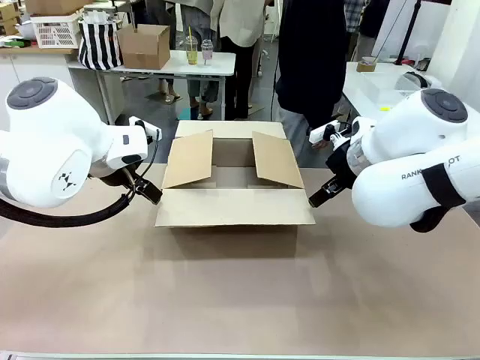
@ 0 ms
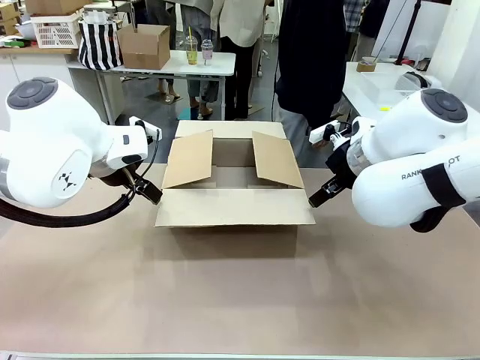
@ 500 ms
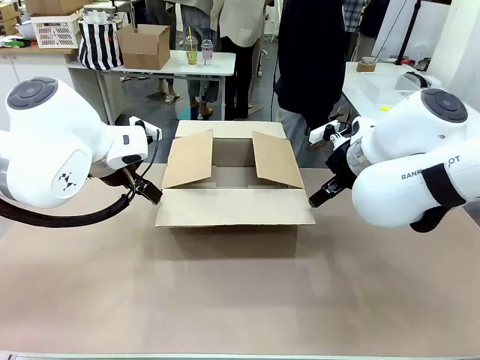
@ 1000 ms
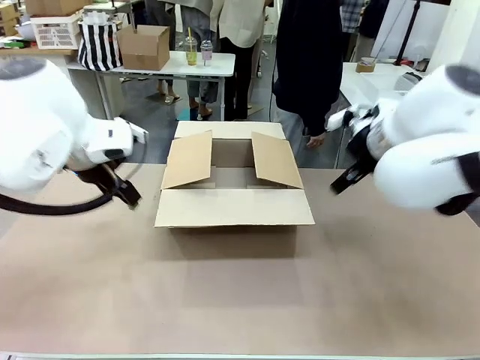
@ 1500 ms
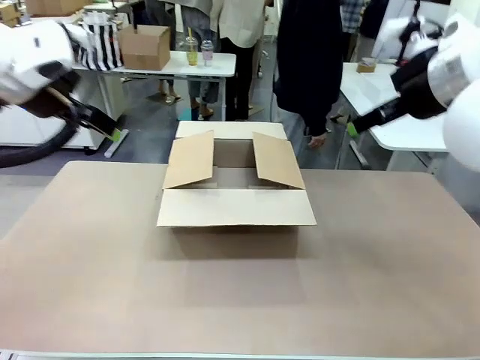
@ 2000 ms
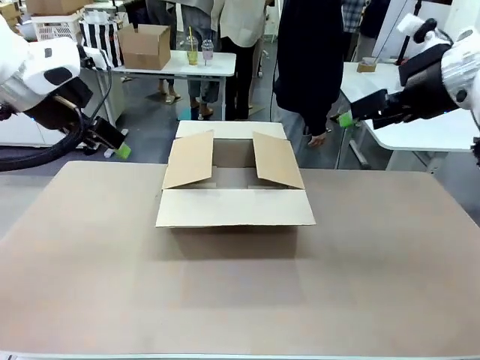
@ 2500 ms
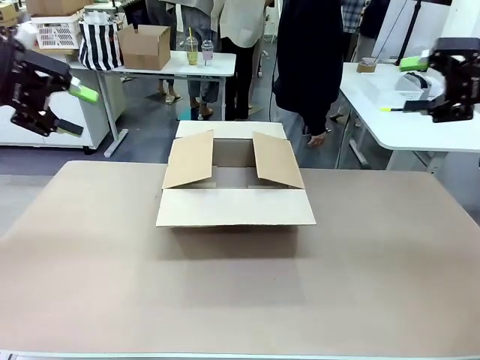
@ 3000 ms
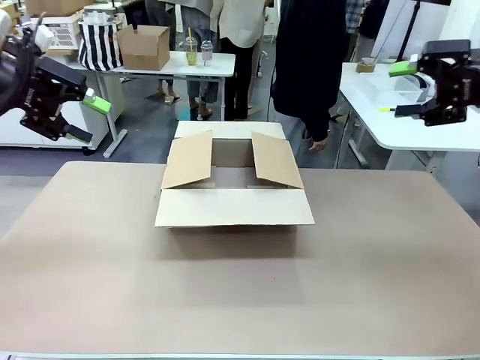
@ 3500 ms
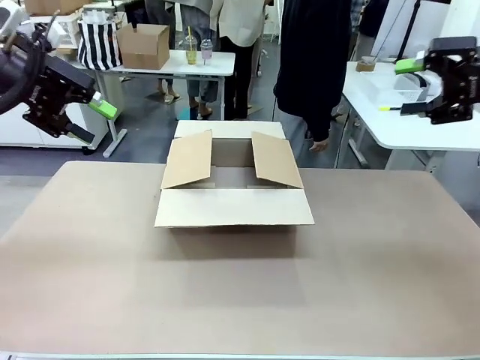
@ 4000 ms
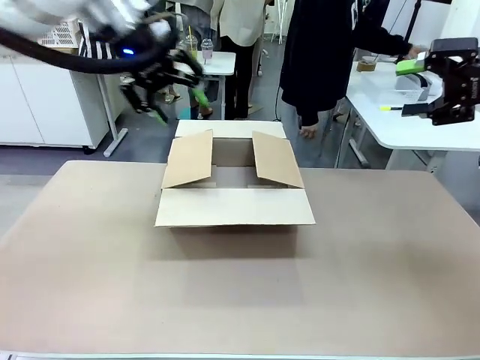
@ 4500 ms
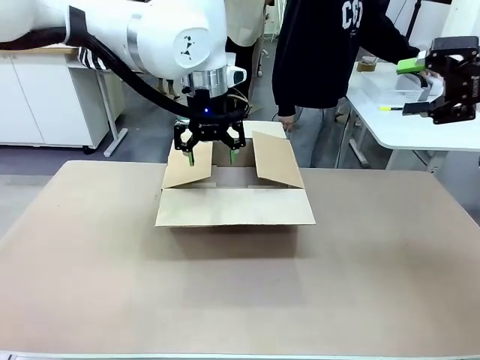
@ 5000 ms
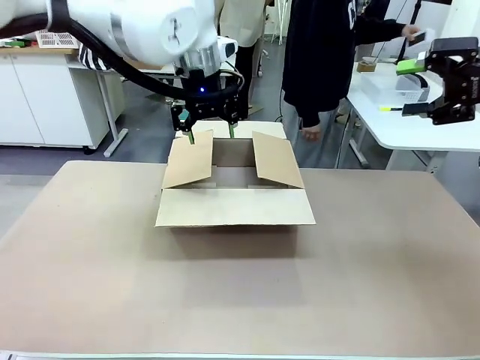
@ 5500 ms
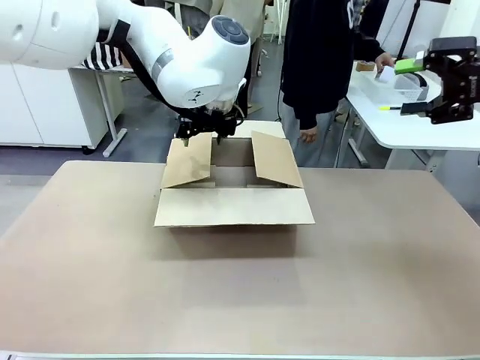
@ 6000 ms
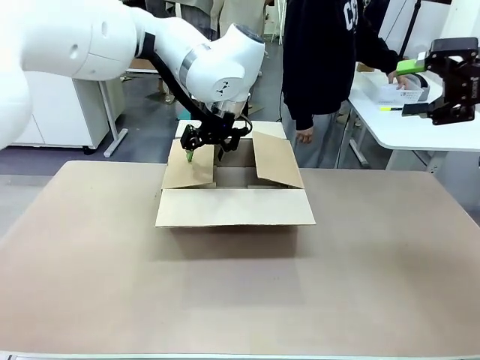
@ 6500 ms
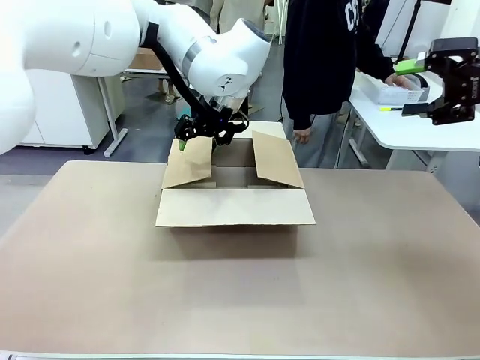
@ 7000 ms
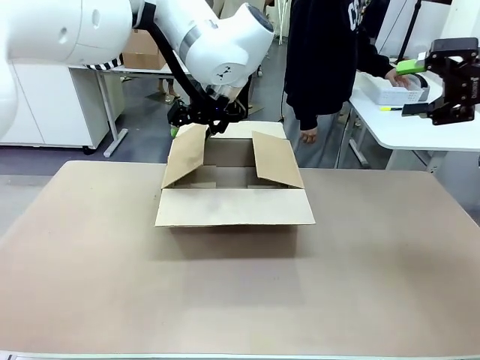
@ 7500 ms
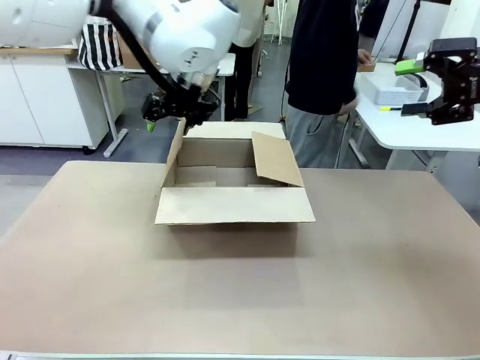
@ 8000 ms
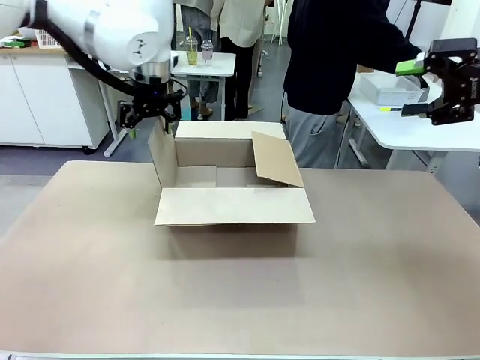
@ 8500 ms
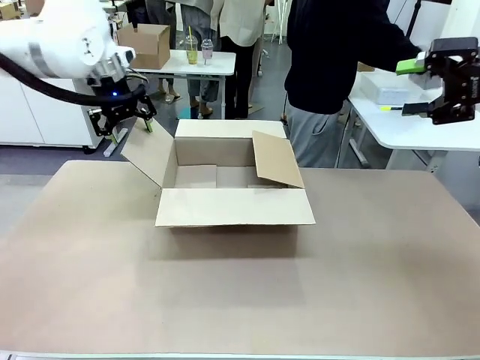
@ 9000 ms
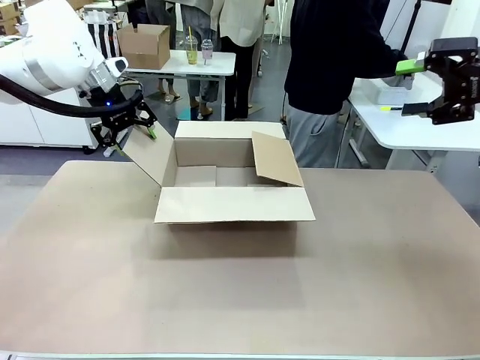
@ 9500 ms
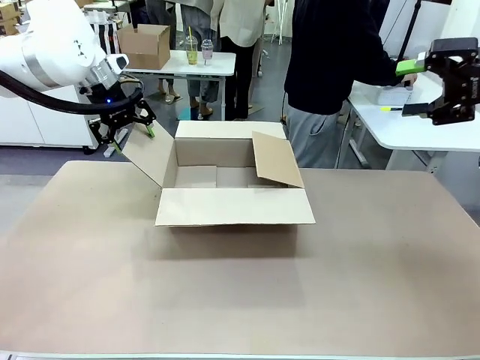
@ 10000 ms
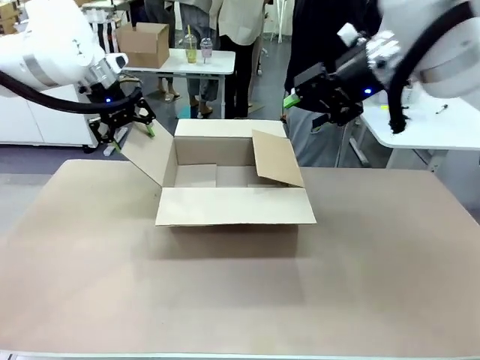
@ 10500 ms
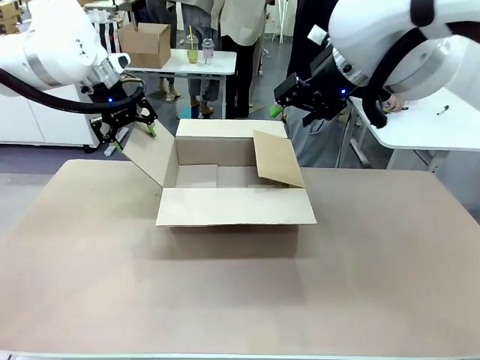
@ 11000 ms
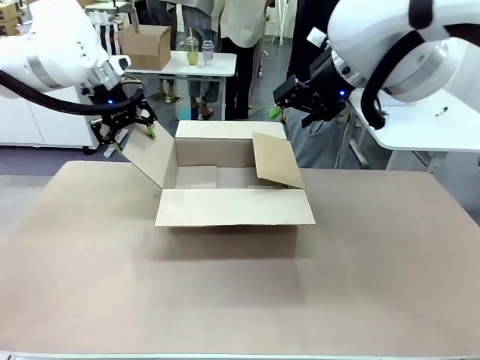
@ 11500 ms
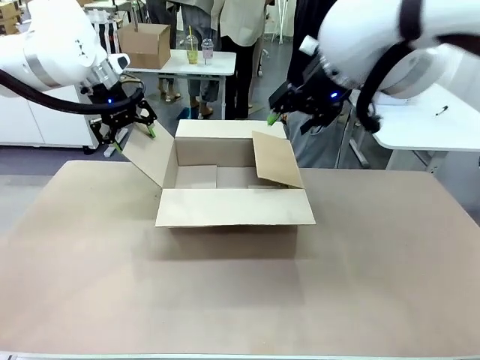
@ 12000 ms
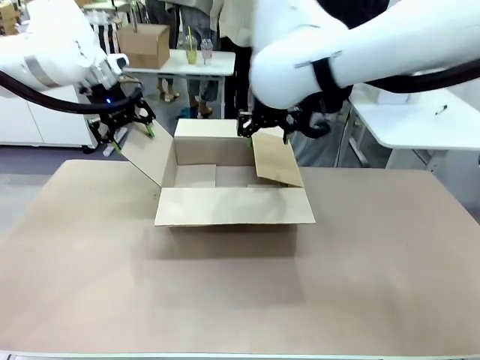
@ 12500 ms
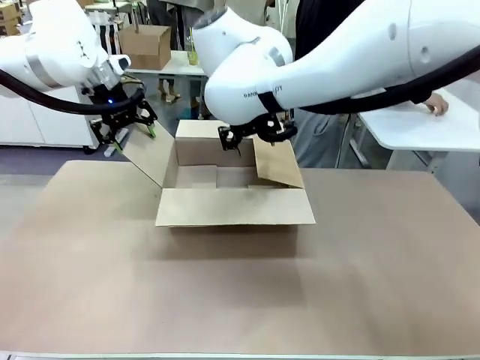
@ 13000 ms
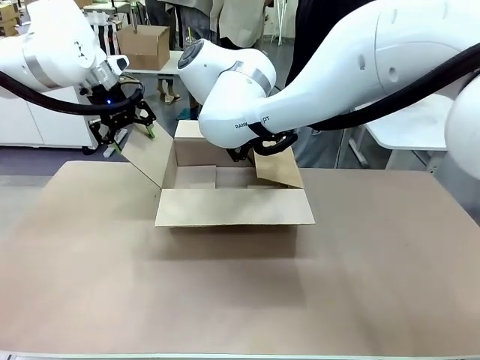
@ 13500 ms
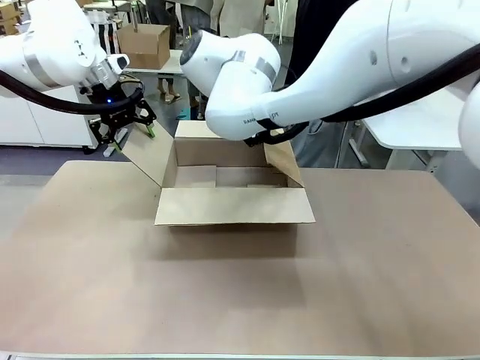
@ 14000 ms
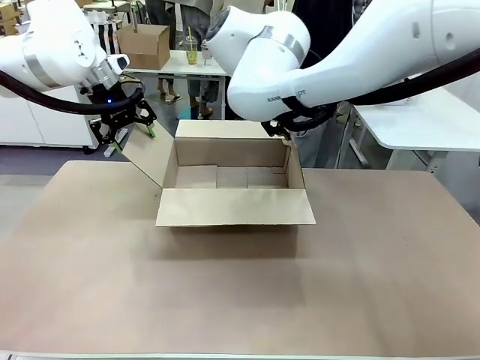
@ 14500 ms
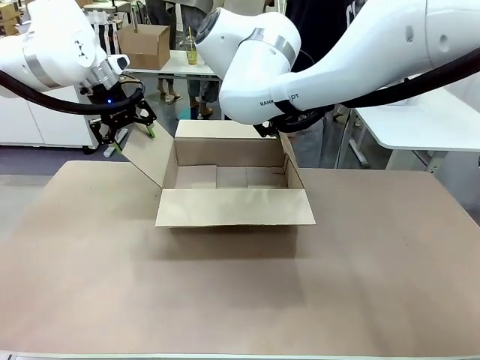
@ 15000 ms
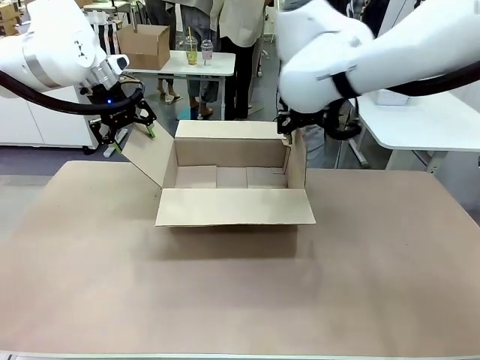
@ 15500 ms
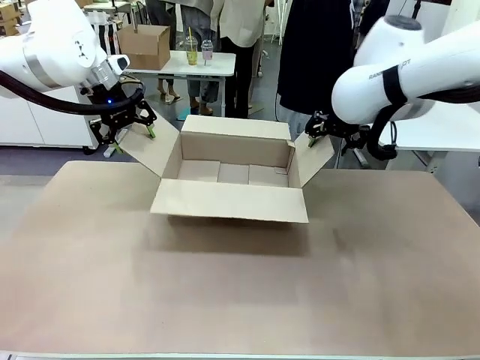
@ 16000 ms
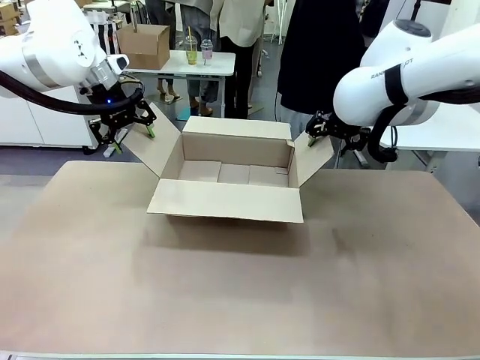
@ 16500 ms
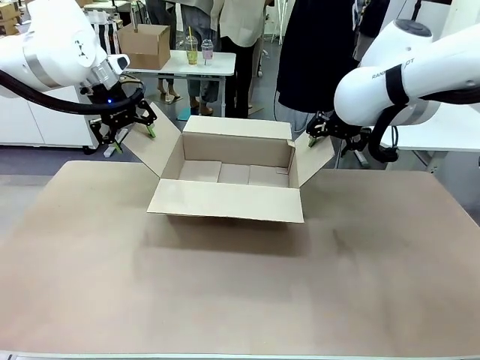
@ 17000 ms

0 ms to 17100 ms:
Task: Pack the gift set into the box.
Robot: Place both hands on the side flaps of the Package Box and spread them outward.
Person: The human places all items except the paper tape into the organizing basket.

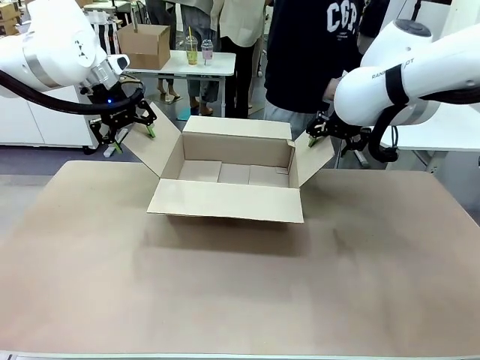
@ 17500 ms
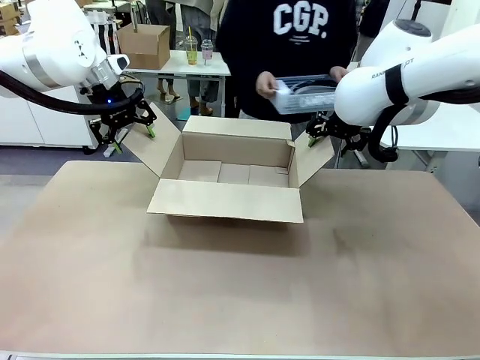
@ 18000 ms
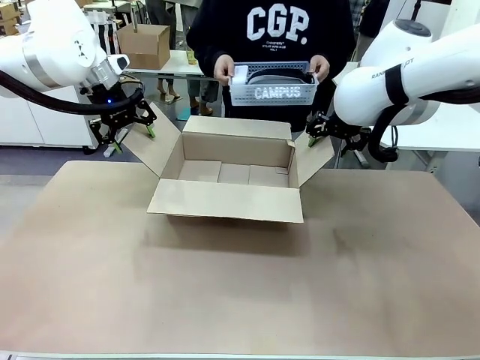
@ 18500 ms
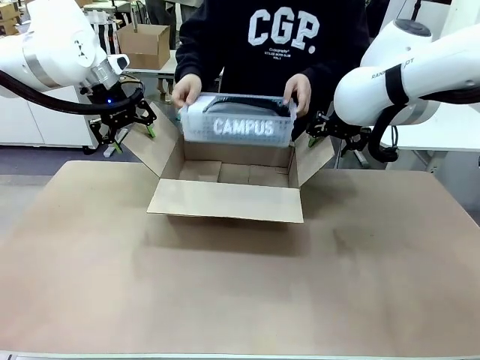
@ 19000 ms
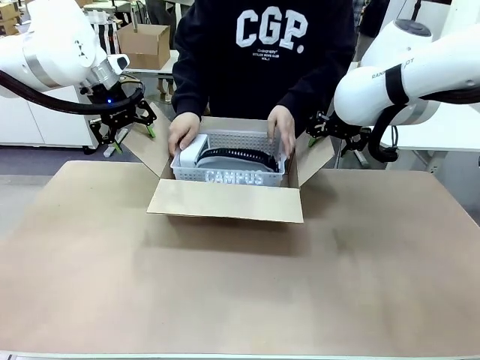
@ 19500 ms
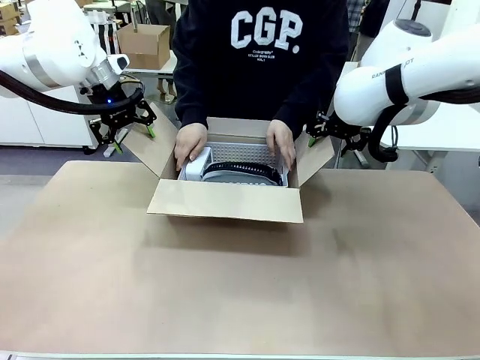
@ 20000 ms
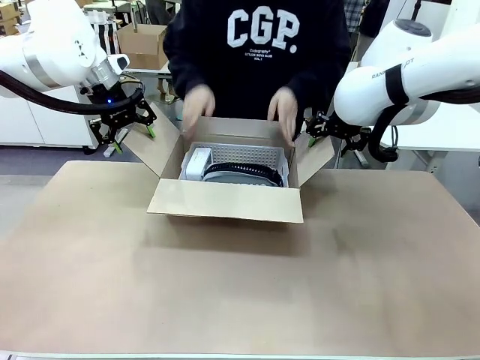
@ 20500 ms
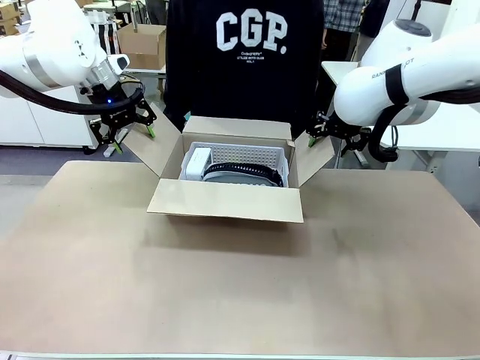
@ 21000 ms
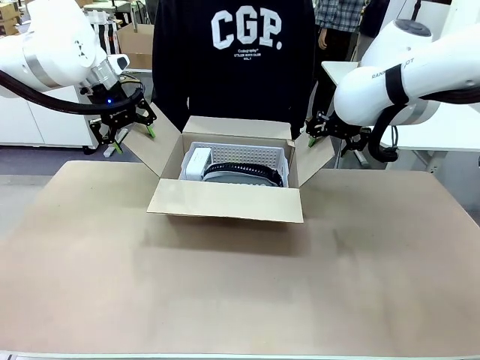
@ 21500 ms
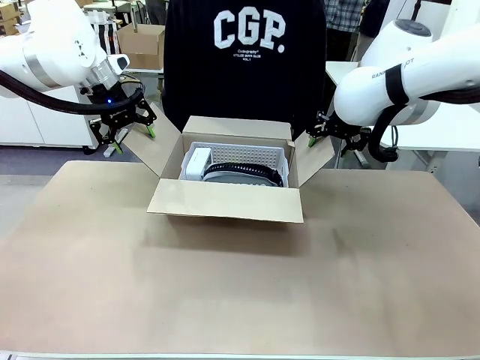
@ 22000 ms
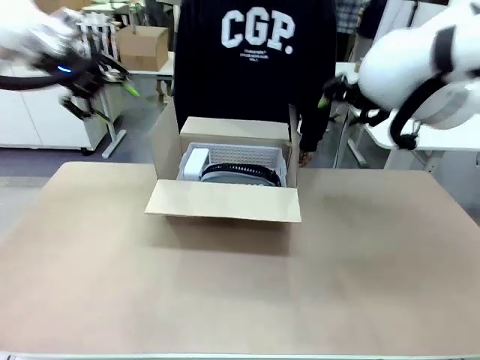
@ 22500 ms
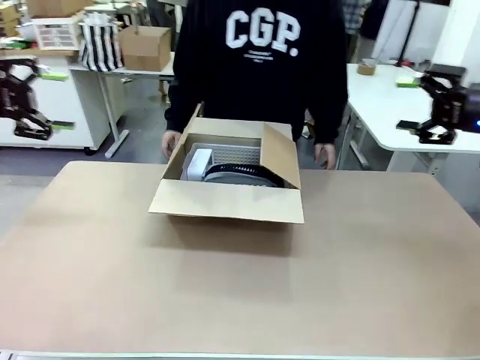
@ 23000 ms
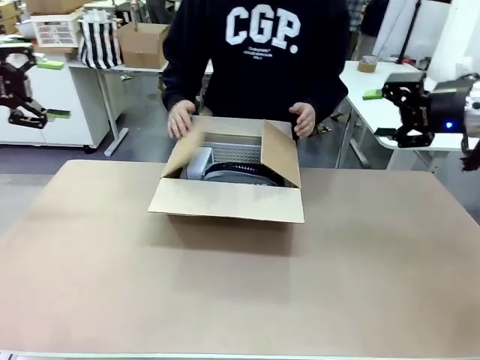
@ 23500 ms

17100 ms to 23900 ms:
Robot: Lift both hands away from the flaps of the Package Box.
Person: The human picks up the organizing basket and places the organizing basket into the package box on the robot table.
